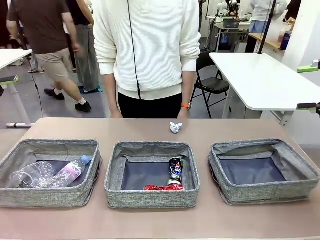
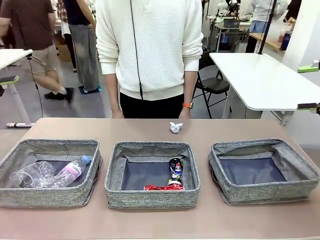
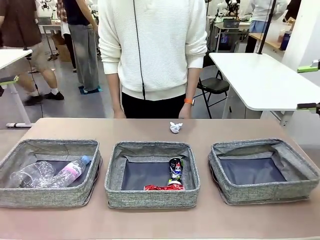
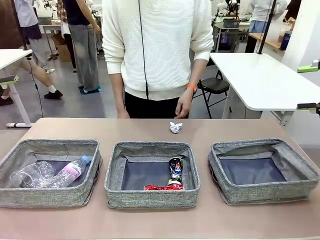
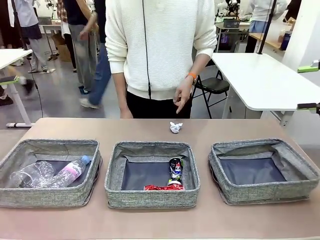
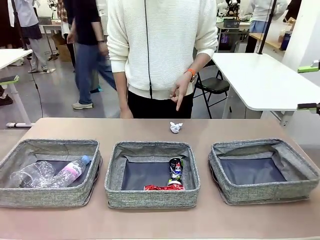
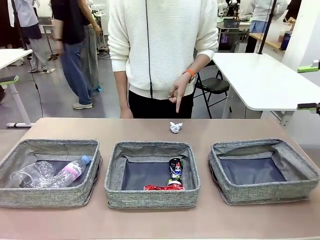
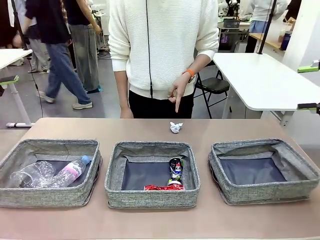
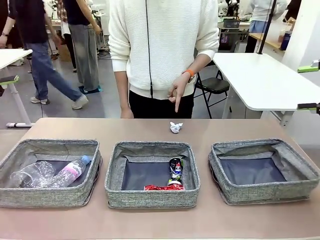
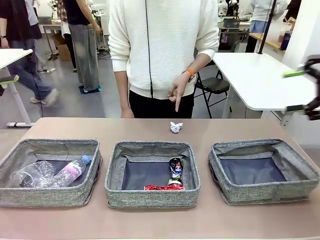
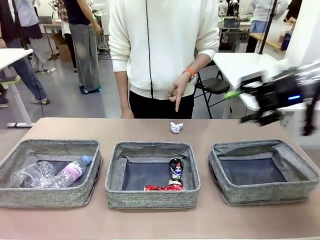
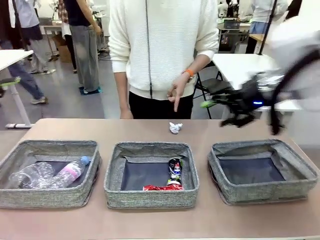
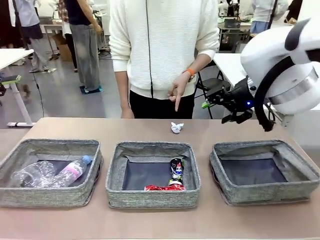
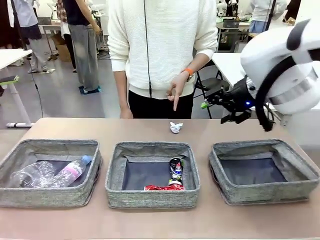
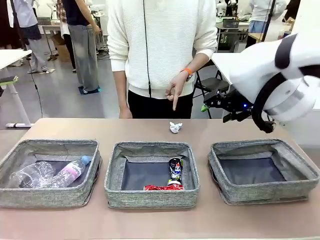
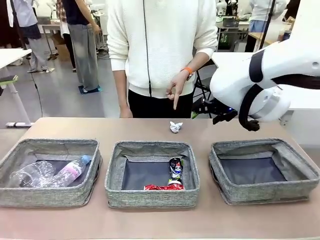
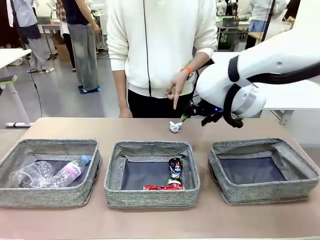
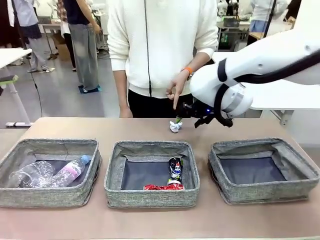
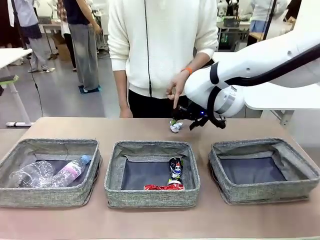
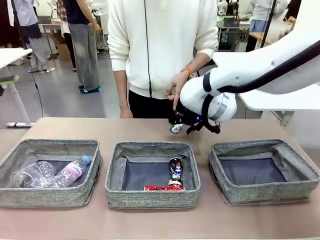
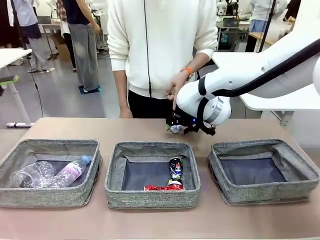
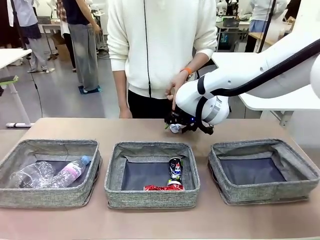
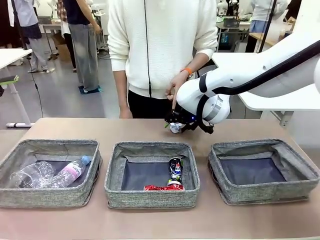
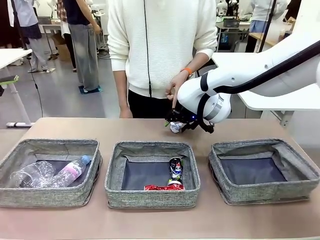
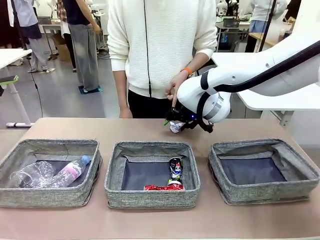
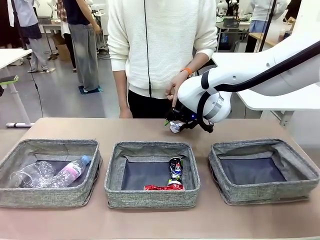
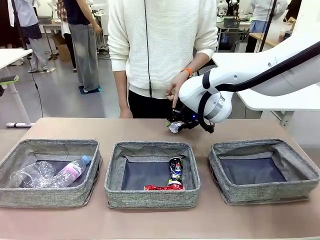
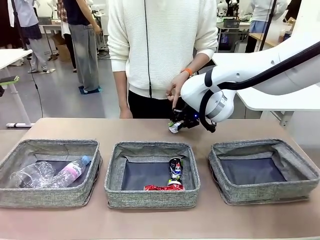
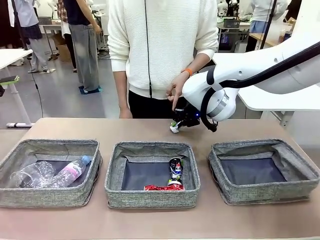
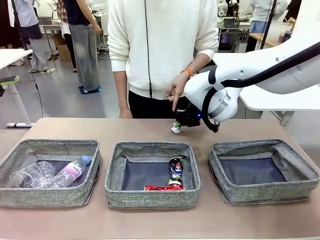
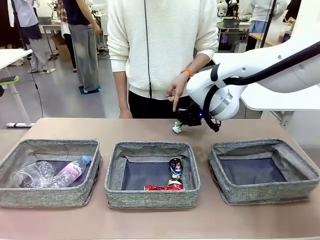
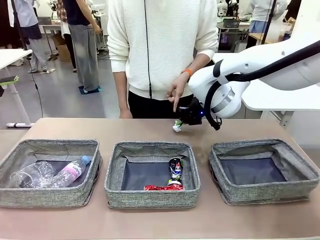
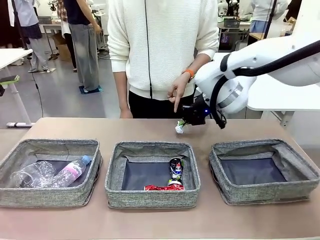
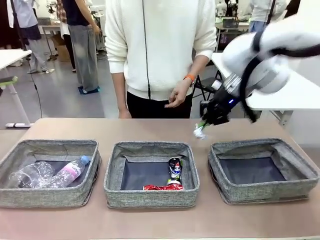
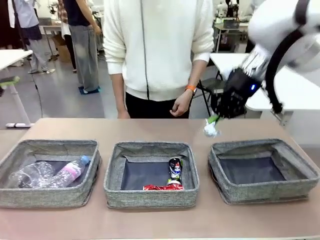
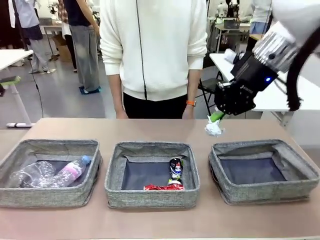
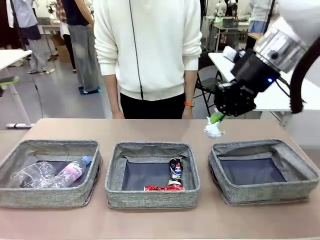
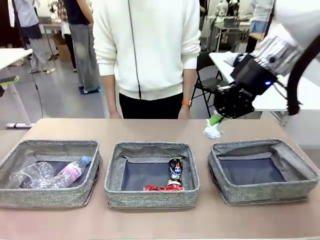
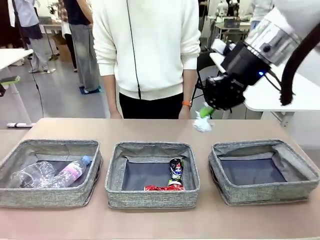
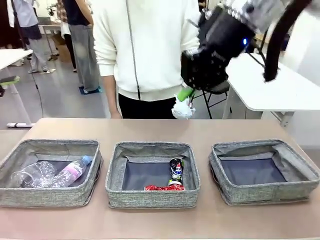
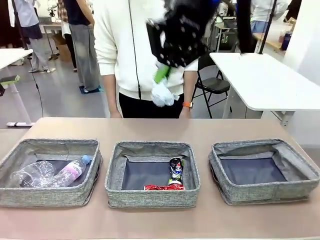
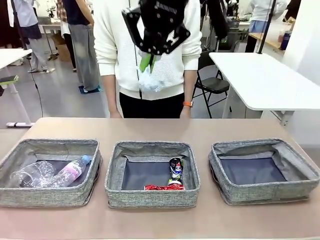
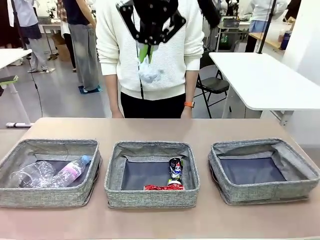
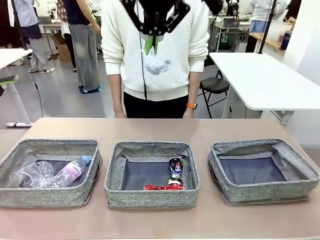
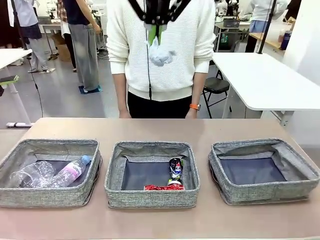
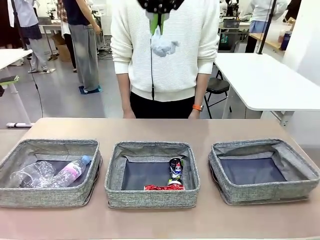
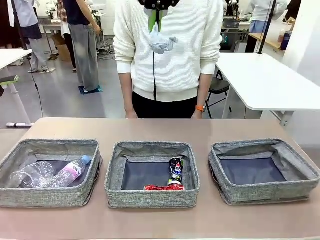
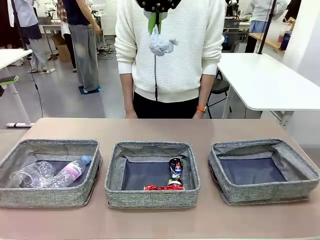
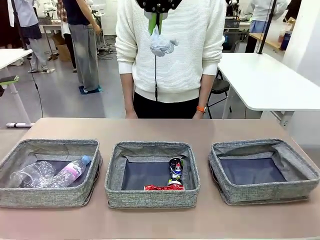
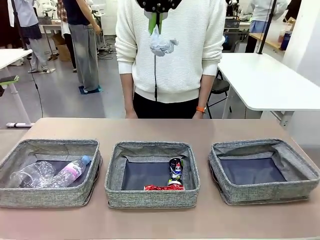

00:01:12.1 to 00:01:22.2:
Task: Sort the waste into the appropriate baskets.
Robot: Pick up the waste item pointed out by the person.
Person: Points to one piece of trash on the table.

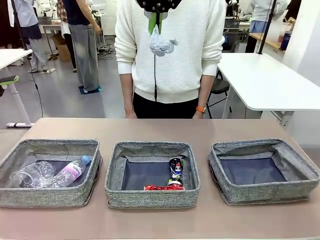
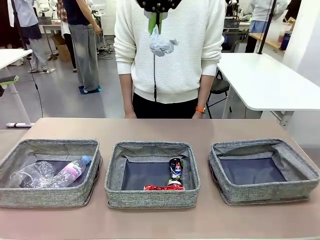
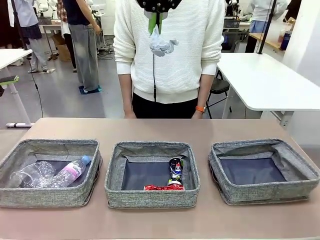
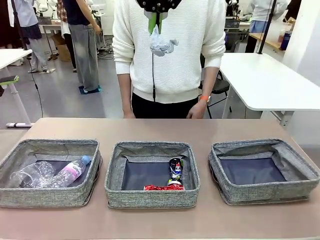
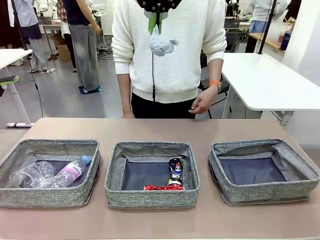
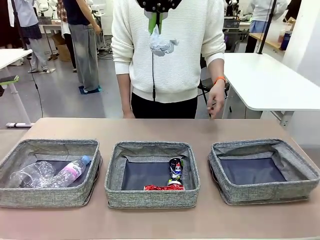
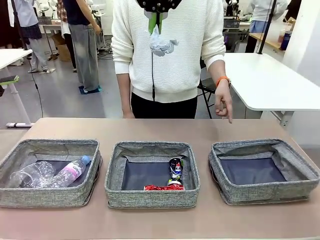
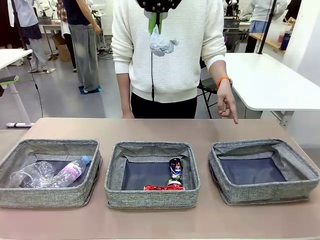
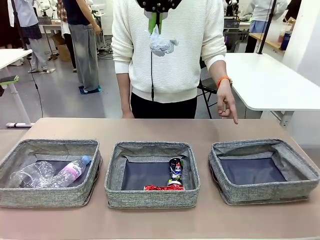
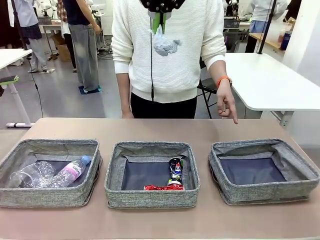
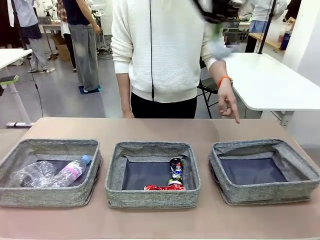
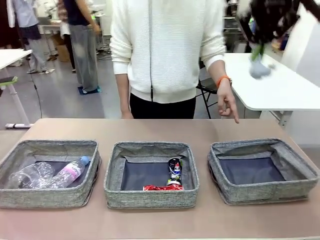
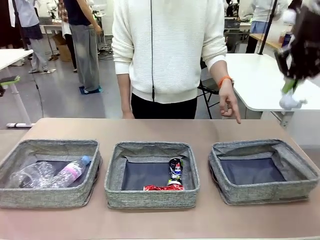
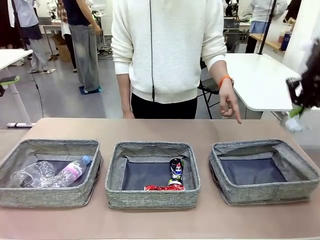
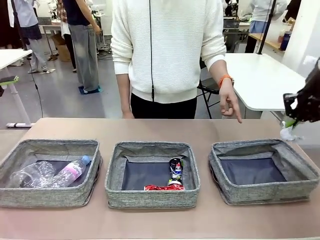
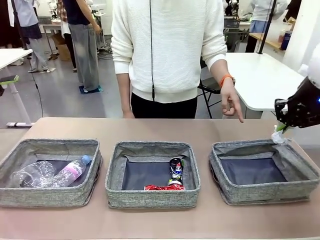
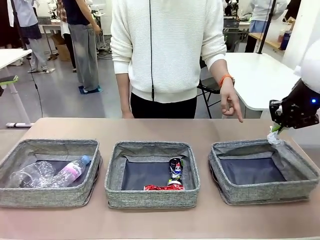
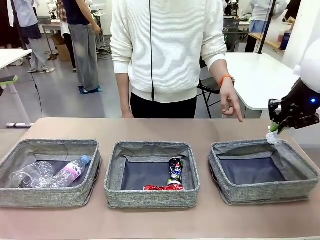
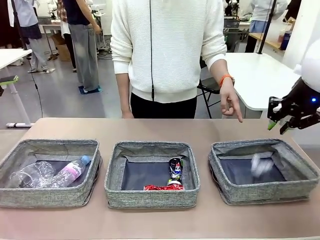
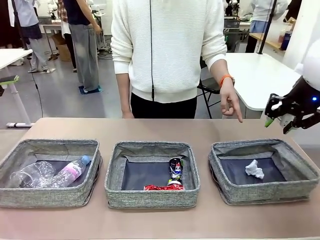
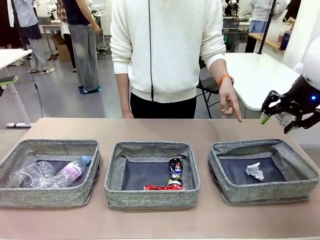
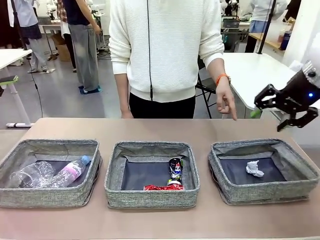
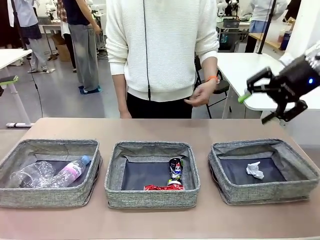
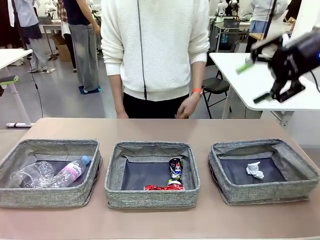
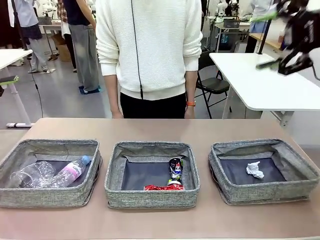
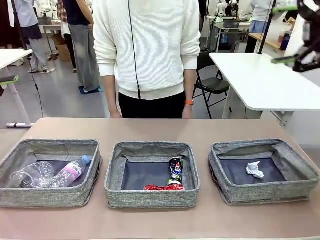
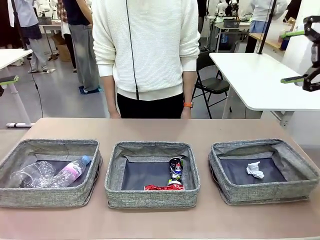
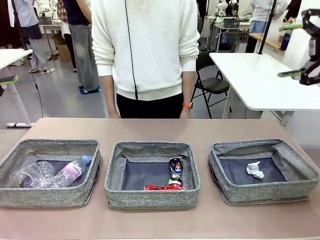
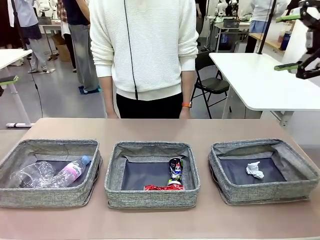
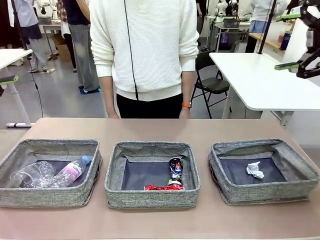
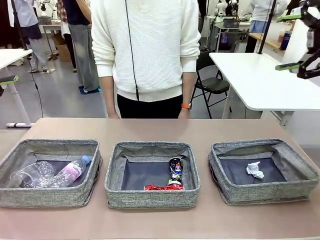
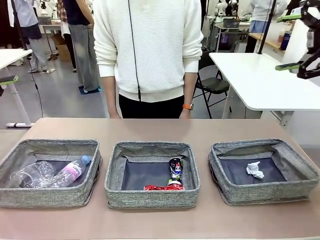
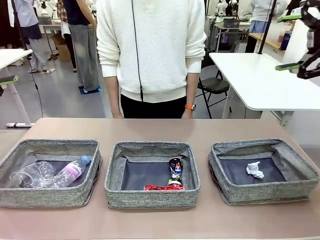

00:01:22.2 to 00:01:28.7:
Robot: Place the picked waste into the Fabric basket indicated by the person.
Person: Instructs the robot to place the picked-up trash into the appropriate organizing basket.
